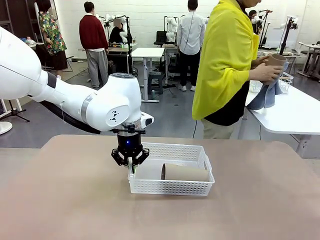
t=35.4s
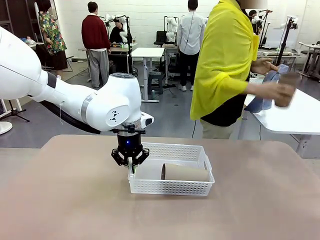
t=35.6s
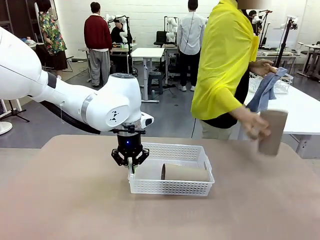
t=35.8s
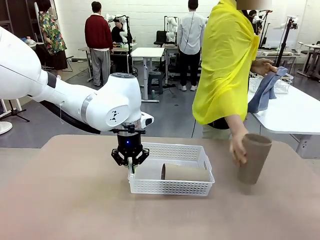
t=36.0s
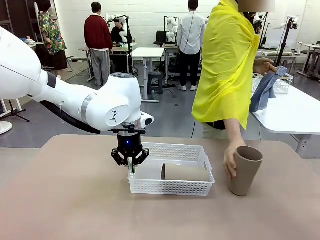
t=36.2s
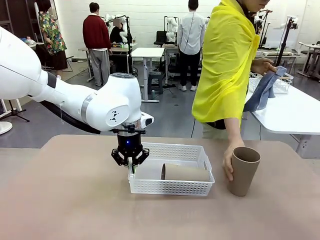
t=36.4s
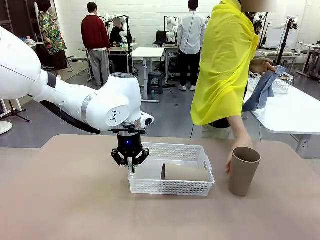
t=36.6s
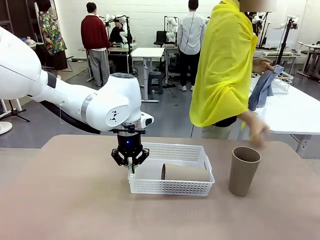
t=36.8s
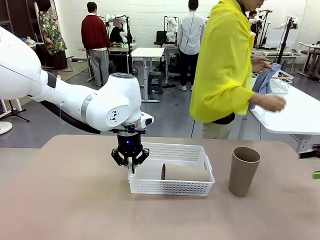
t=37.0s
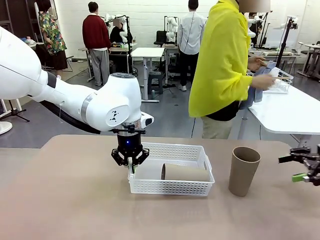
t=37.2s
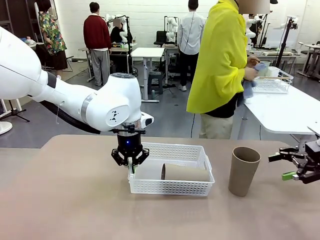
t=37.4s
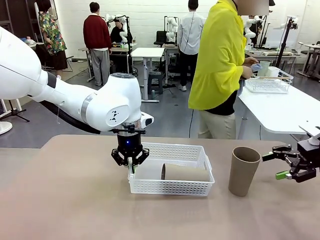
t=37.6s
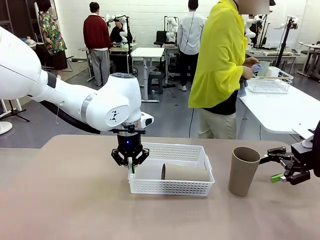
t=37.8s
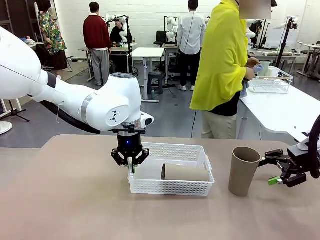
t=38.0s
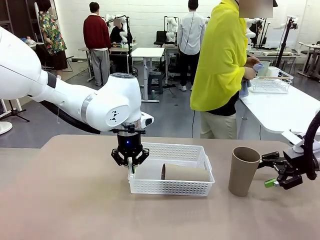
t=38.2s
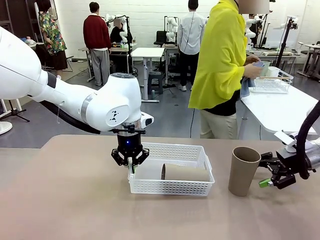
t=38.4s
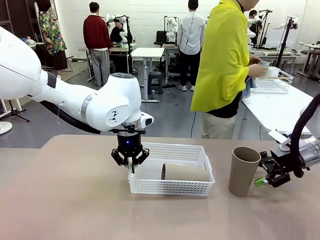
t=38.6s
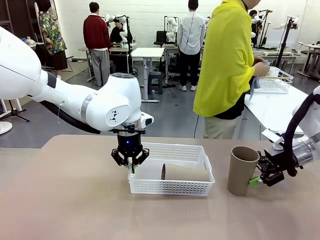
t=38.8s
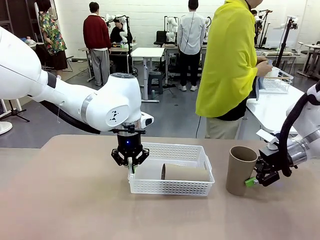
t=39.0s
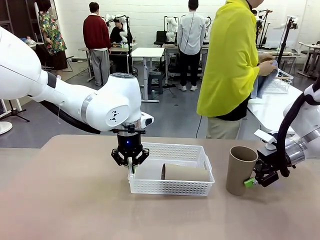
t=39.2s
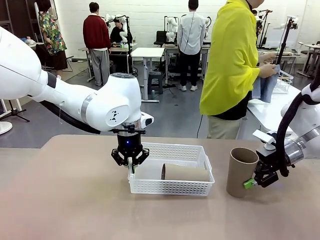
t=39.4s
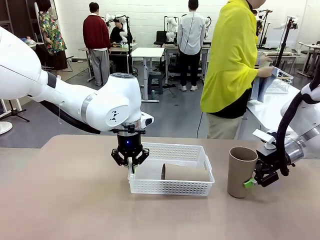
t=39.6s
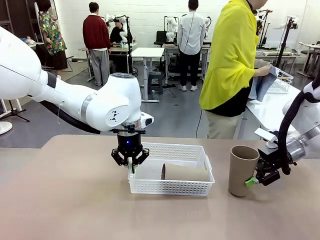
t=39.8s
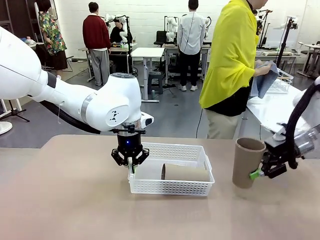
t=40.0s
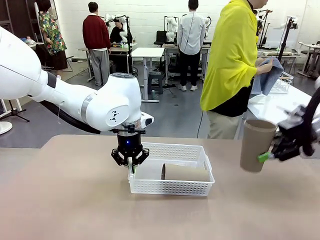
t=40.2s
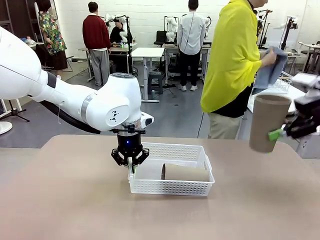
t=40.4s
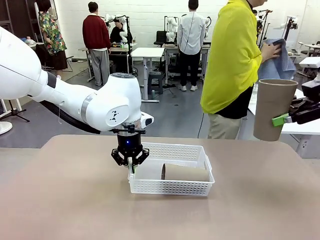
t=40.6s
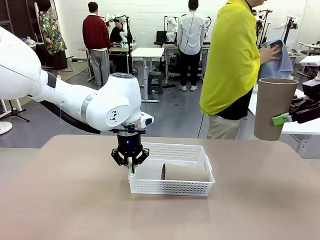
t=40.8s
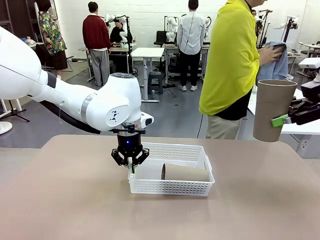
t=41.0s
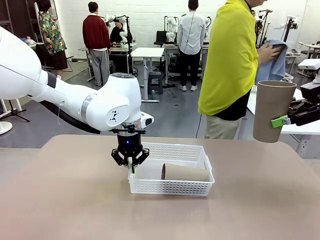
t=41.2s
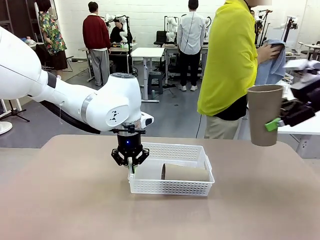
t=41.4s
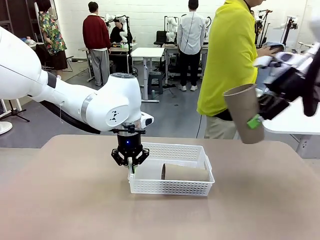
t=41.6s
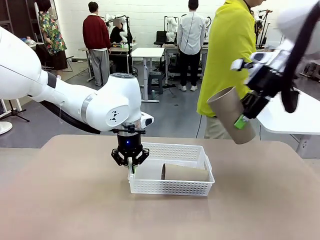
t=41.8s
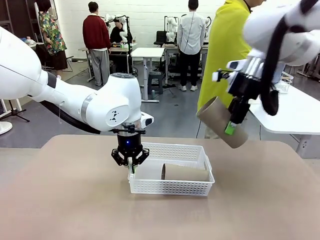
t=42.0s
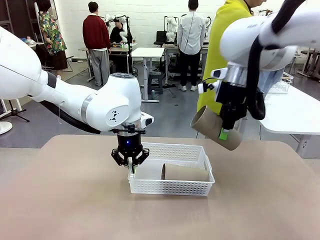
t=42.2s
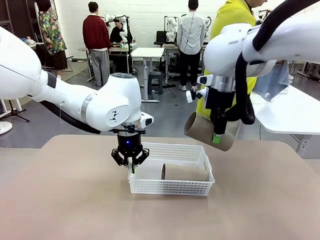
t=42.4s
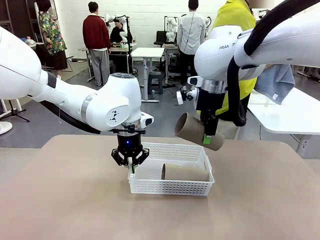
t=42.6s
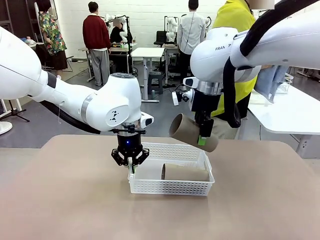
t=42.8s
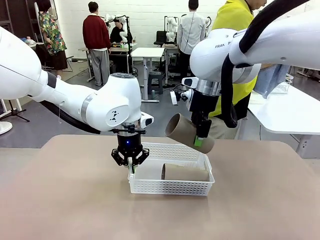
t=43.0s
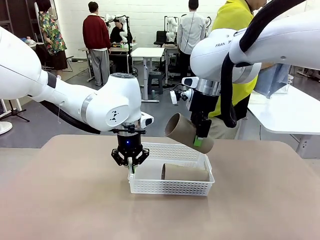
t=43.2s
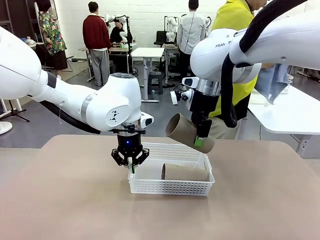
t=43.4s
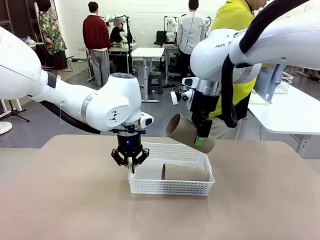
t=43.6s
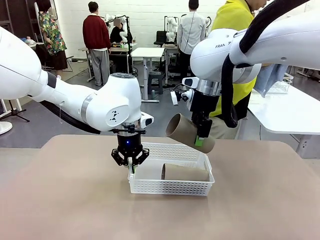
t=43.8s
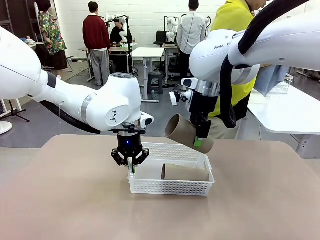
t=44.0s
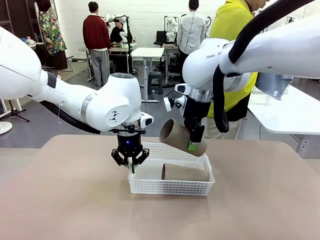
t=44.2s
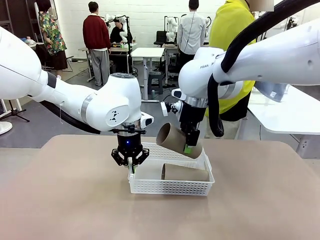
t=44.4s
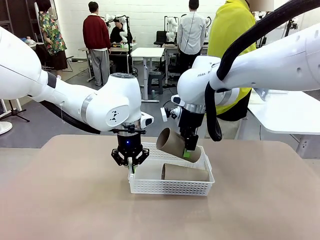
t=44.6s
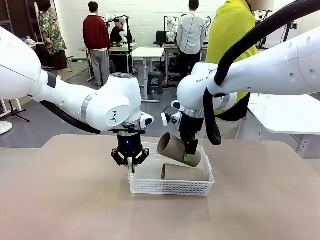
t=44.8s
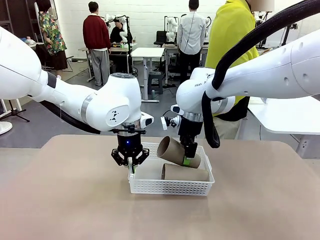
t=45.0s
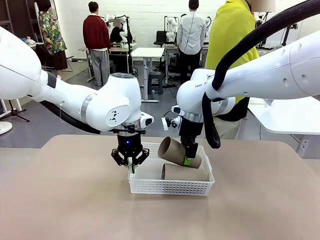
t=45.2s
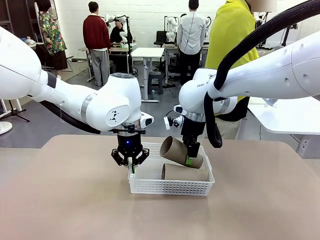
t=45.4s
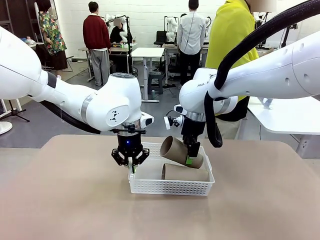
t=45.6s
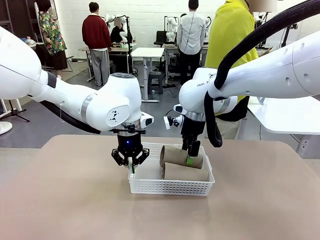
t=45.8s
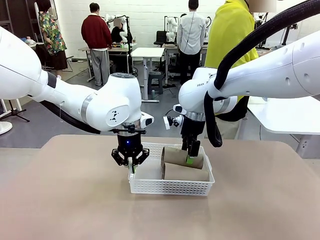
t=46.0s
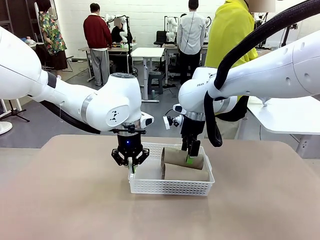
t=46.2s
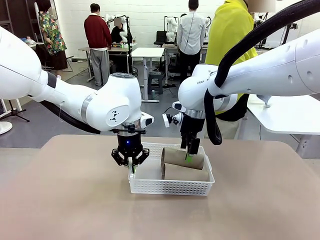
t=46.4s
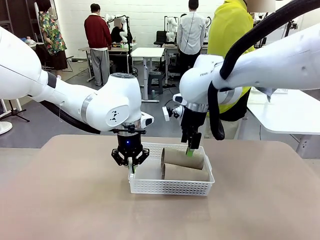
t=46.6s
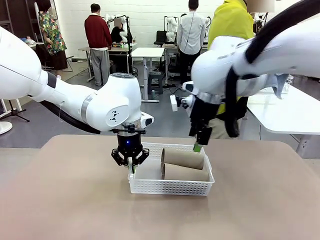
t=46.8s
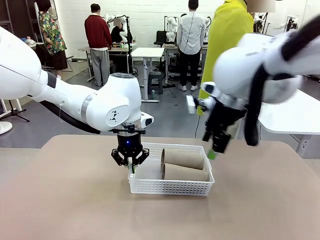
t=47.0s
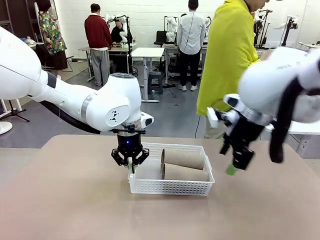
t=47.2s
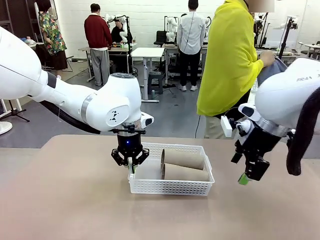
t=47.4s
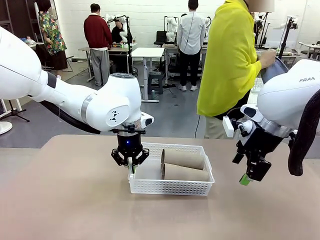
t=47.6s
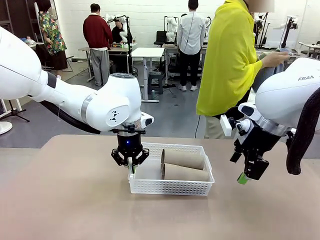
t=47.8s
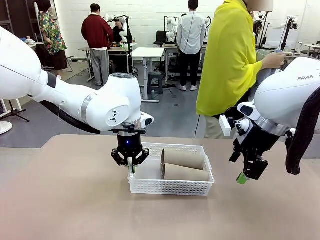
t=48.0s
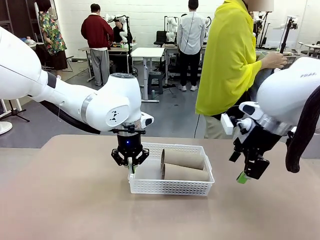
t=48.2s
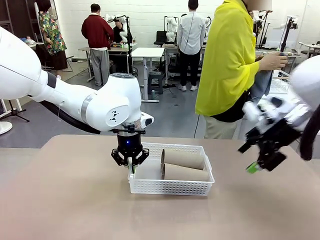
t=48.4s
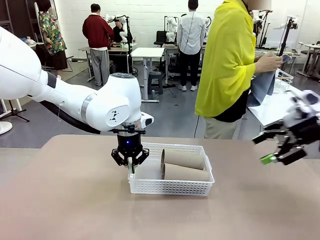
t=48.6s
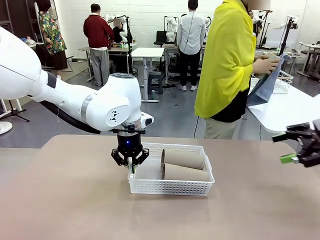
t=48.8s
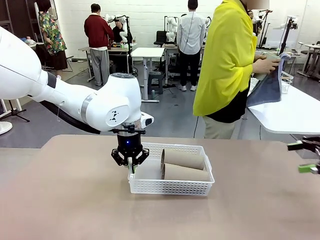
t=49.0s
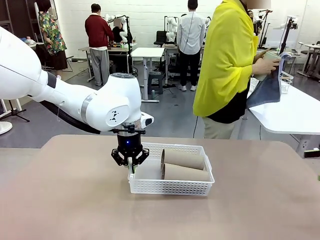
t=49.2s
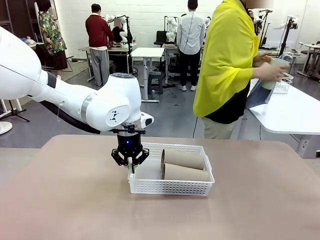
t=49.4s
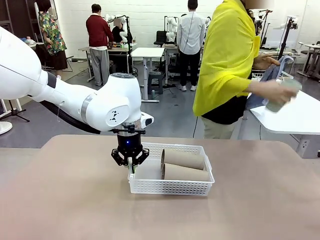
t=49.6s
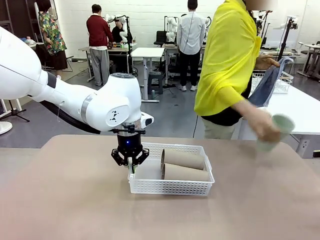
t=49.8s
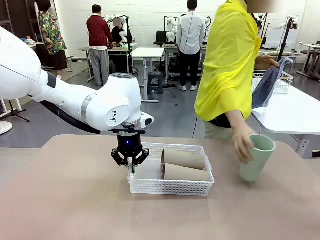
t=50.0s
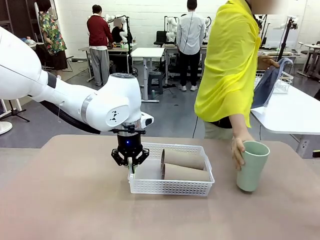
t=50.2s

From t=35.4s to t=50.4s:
Task: Clean and organize the cups into the basket.
Robot: Pick up the Reusable plastic cup from the right side of the table and stack it inside the Organizing basket in the center of the table.

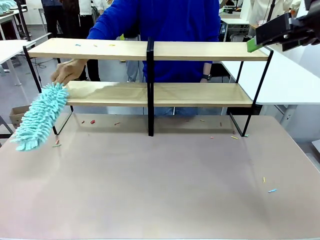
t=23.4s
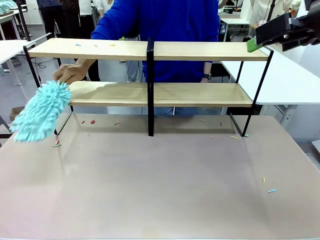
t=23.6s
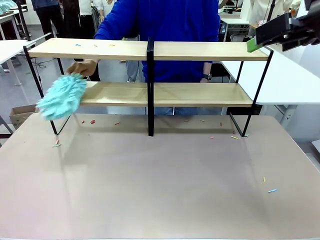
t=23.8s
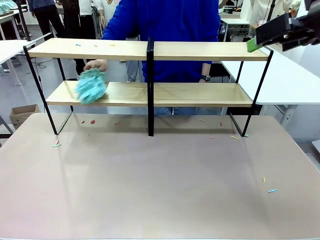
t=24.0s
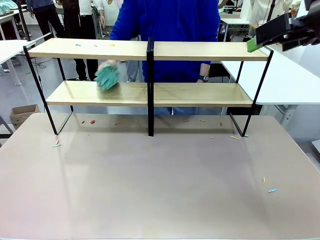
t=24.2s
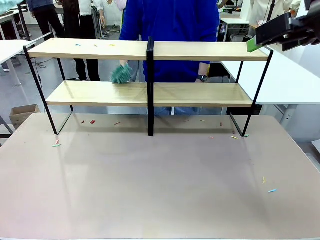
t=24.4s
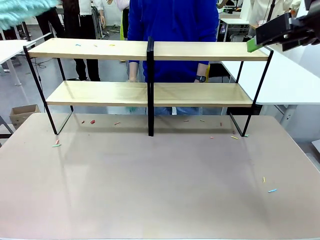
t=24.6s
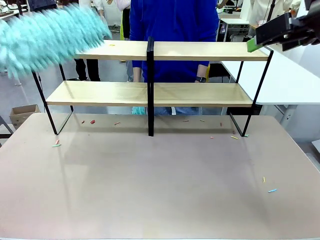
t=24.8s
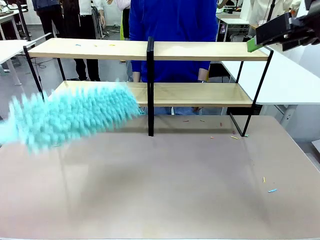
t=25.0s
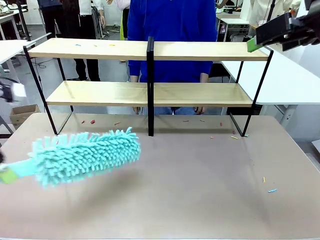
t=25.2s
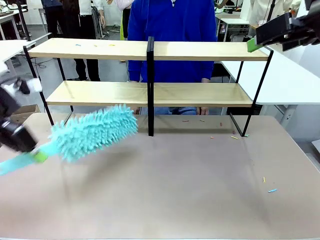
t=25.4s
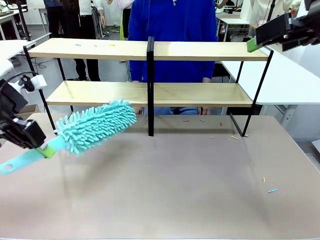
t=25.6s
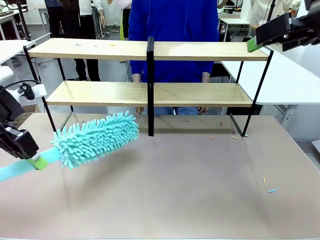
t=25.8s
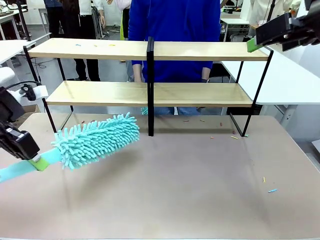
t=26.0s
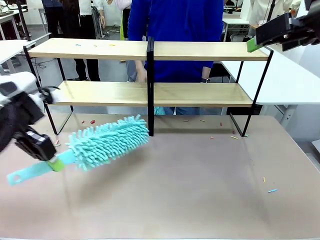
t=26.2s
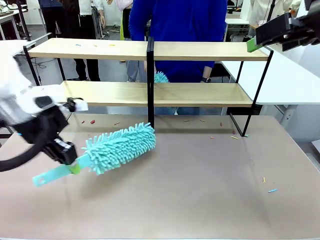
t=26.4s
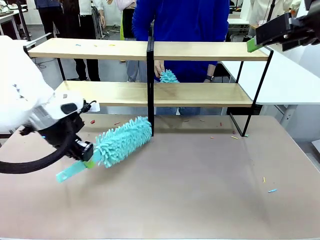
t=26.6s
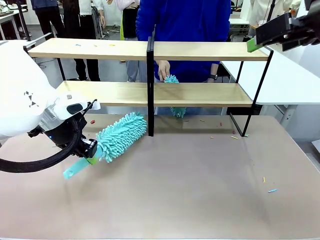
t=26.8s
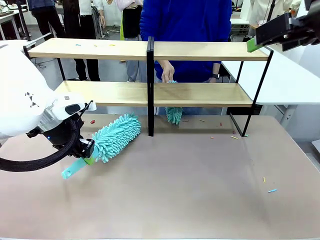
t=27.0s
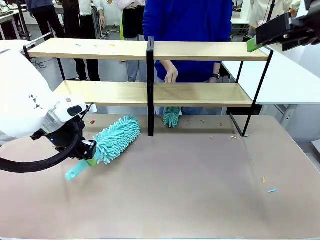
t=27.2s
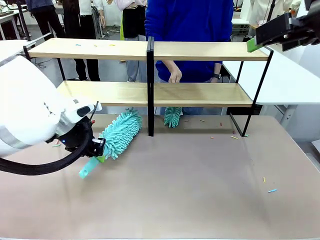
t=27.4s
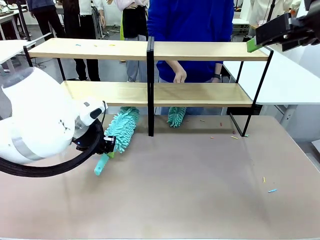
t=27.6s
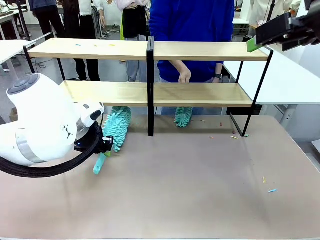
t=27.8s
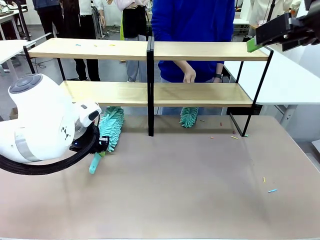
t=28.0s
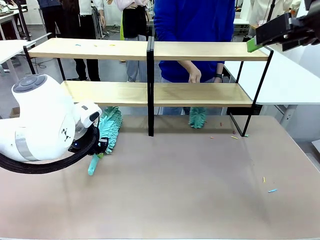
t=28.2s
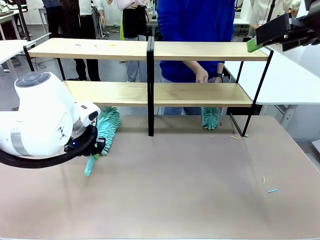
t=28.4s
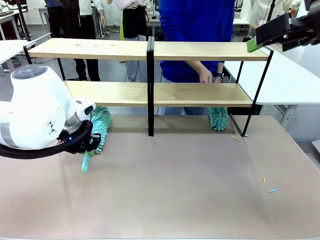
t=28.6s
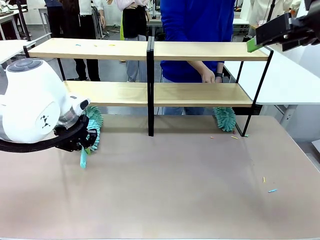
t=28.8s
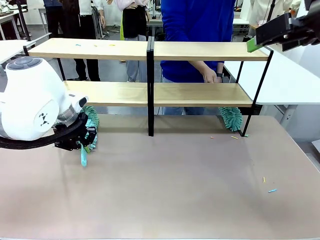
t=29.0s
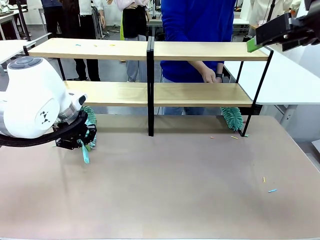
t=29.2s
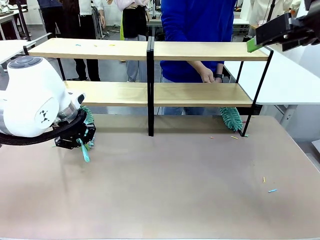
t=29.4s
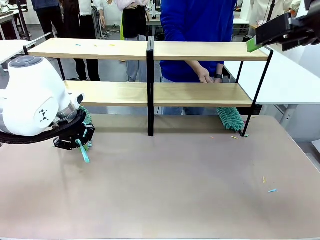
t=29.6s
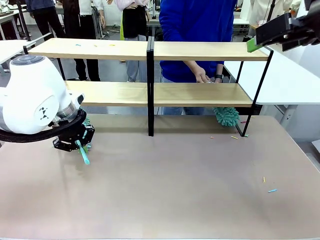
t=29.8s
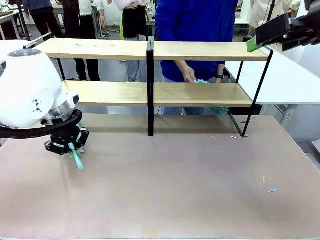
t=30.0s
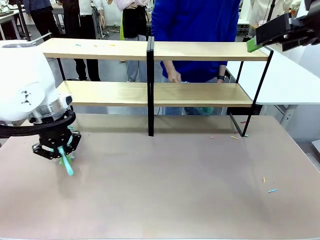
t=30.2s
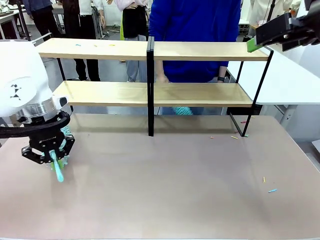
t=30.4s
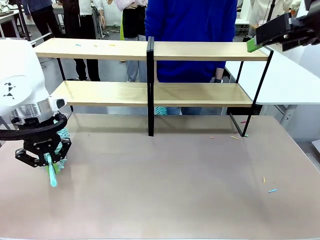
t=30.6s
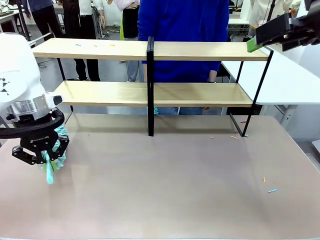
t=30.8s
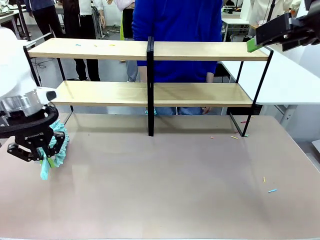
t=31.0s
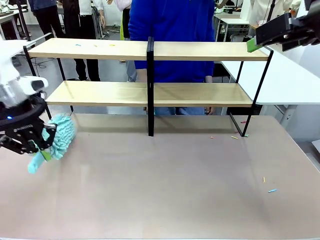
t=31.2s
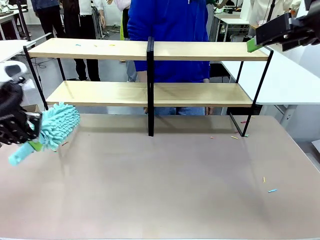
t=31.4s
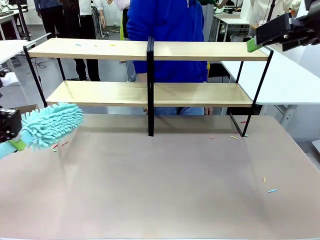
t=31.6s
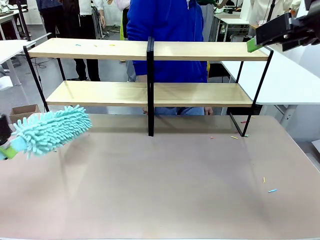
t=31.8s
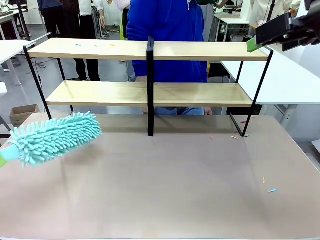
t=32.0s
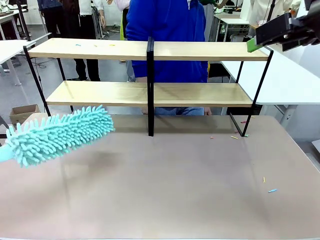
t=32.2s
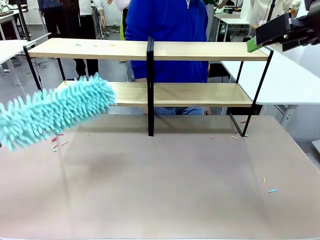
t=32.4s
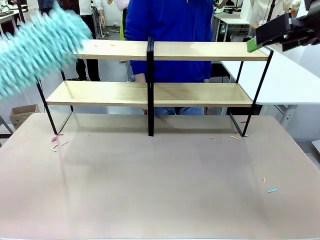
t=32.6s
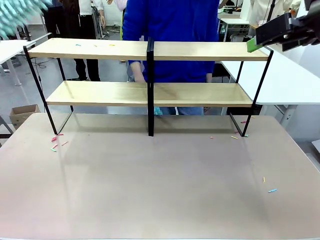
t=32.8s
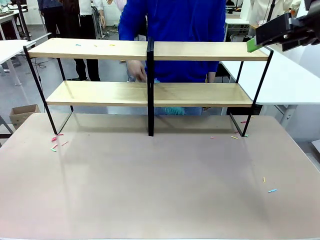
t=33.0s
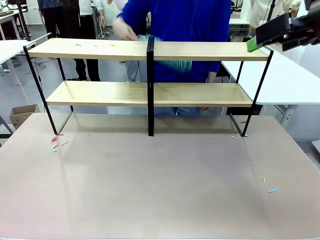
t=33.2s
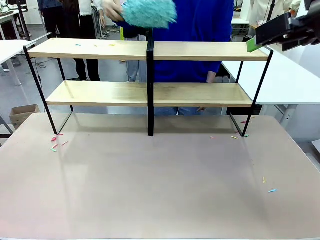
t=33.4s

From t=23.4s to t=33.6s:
Task: Clean the shelves.
Robot: Clean another randomly selected level of the Shelf with the Duster.
